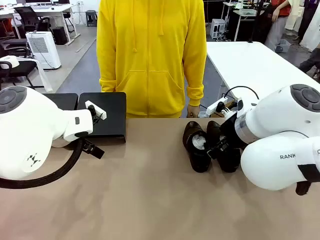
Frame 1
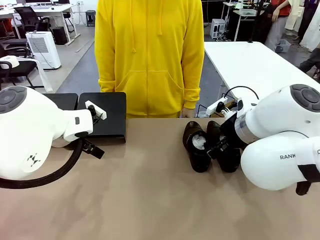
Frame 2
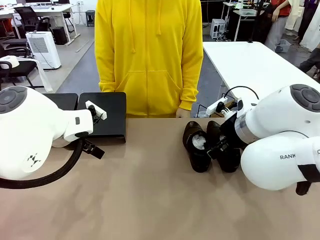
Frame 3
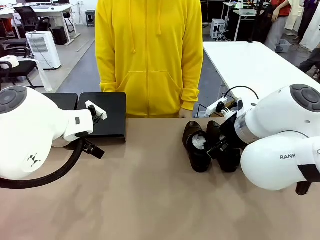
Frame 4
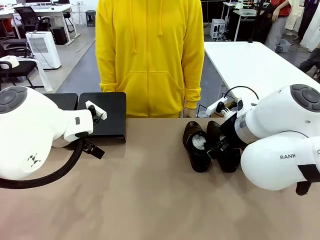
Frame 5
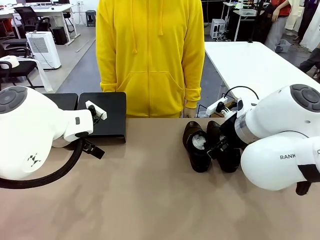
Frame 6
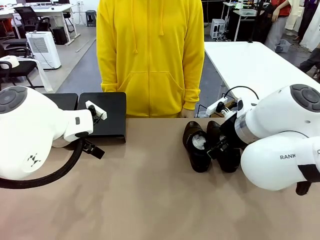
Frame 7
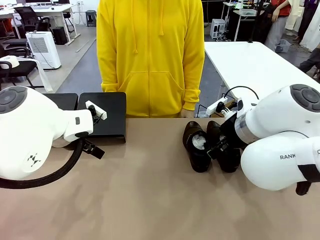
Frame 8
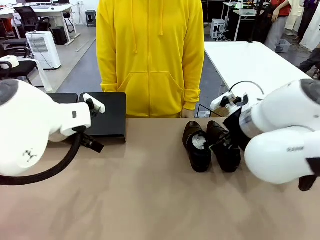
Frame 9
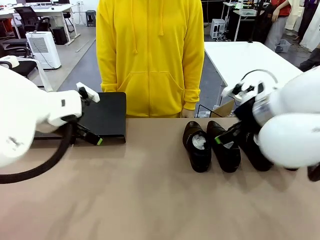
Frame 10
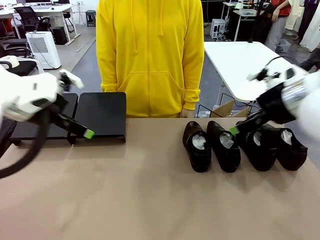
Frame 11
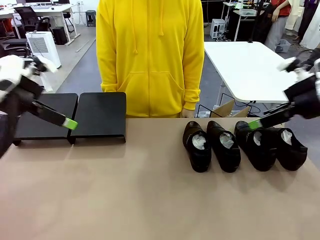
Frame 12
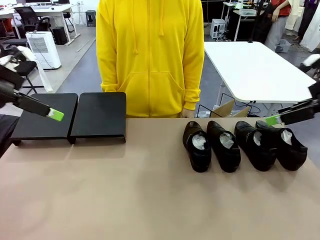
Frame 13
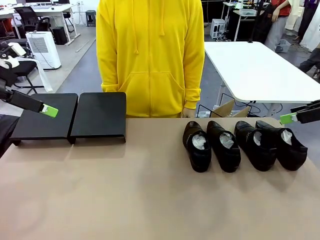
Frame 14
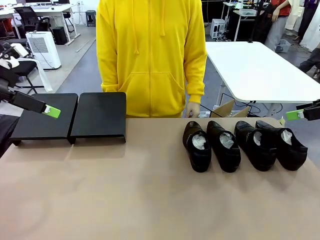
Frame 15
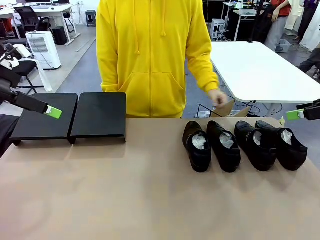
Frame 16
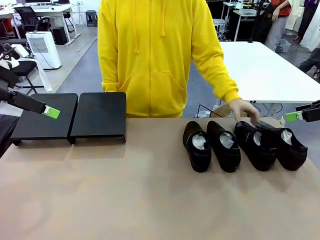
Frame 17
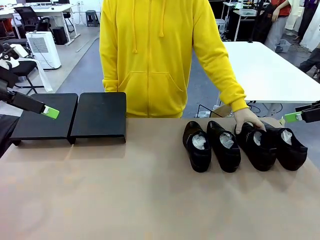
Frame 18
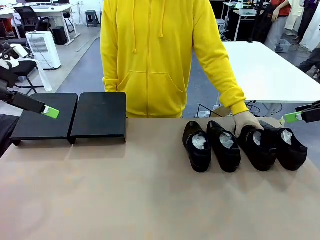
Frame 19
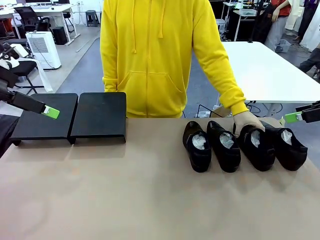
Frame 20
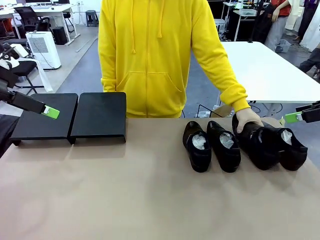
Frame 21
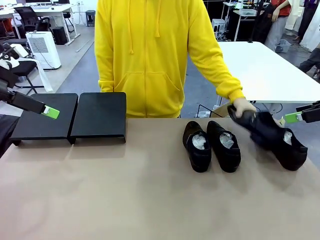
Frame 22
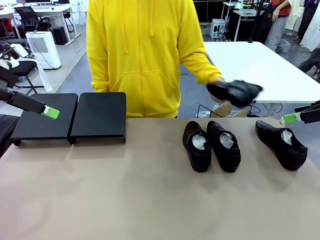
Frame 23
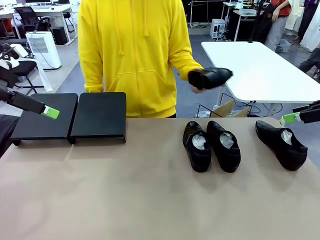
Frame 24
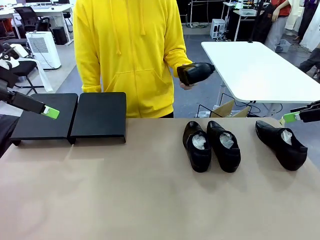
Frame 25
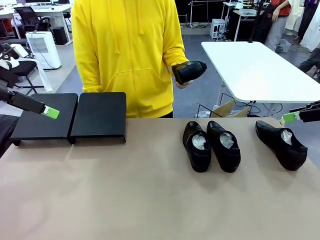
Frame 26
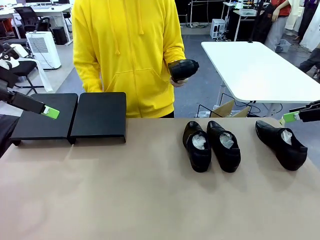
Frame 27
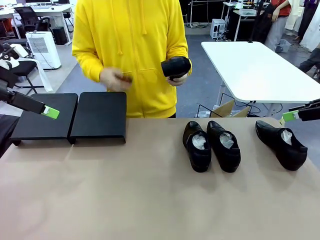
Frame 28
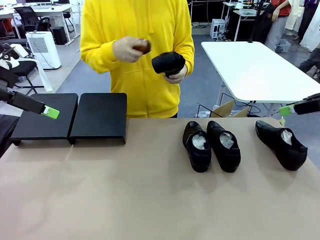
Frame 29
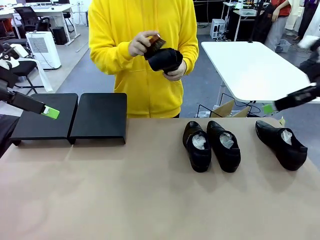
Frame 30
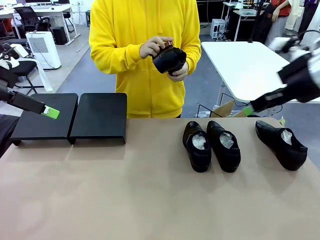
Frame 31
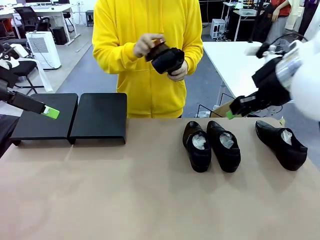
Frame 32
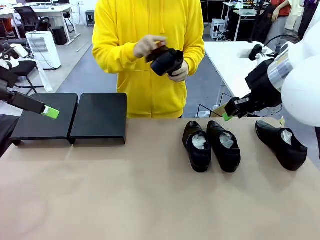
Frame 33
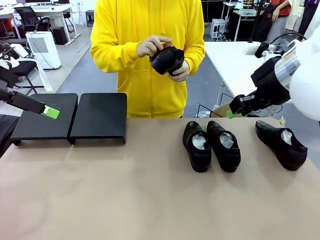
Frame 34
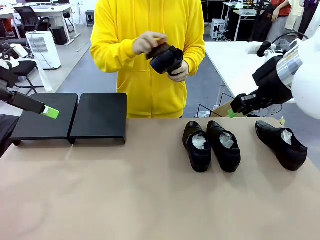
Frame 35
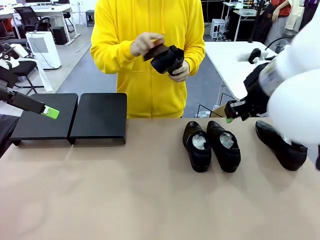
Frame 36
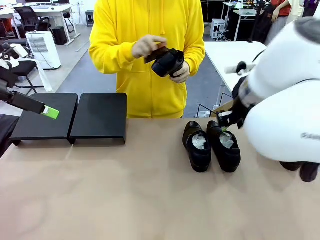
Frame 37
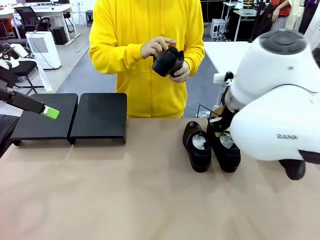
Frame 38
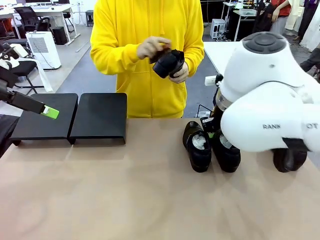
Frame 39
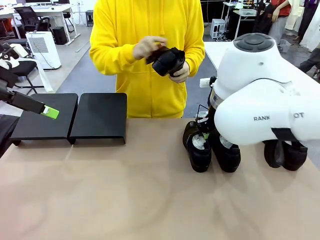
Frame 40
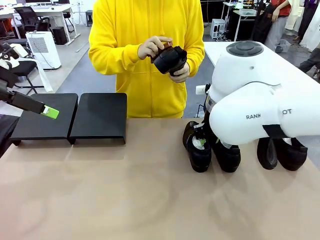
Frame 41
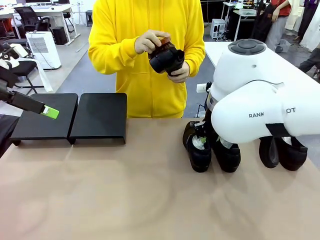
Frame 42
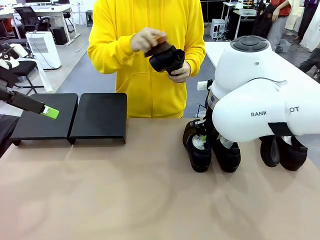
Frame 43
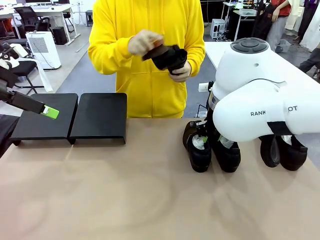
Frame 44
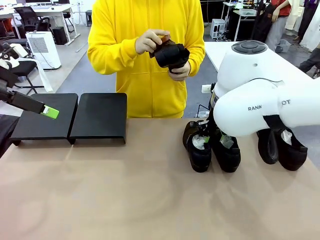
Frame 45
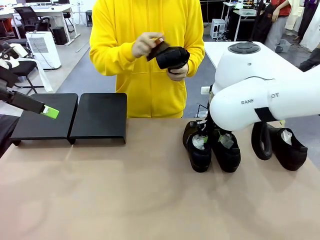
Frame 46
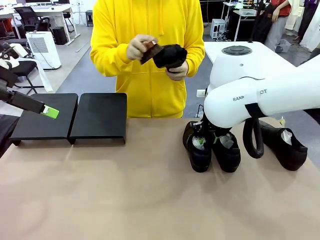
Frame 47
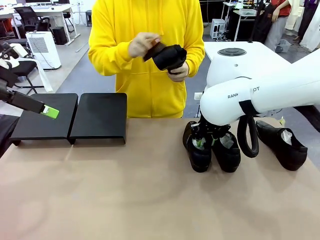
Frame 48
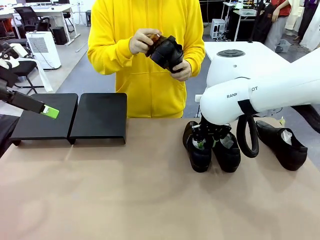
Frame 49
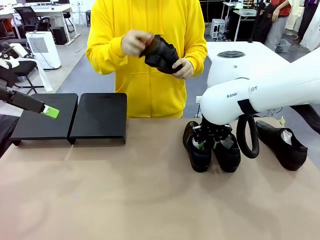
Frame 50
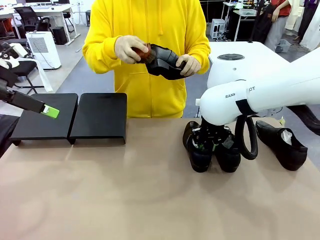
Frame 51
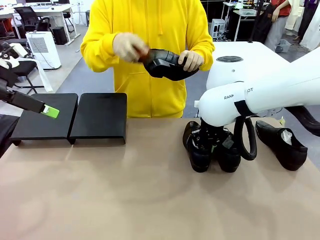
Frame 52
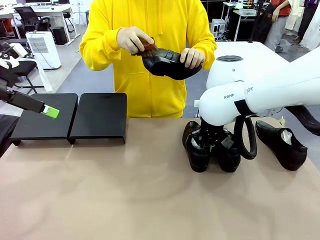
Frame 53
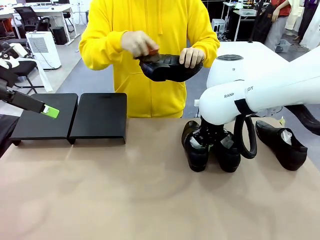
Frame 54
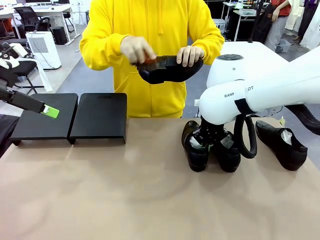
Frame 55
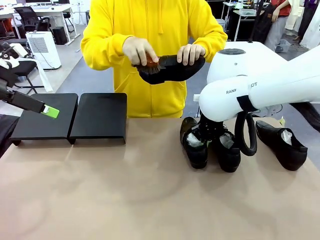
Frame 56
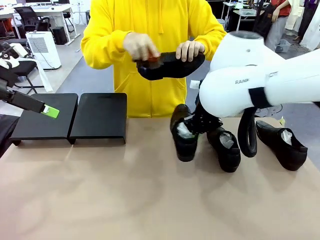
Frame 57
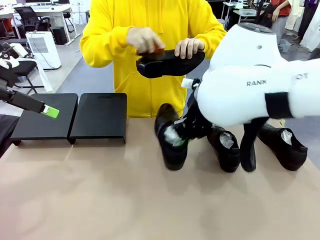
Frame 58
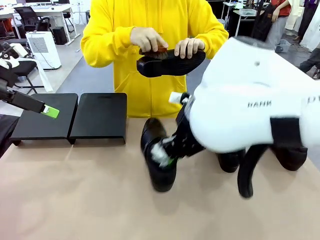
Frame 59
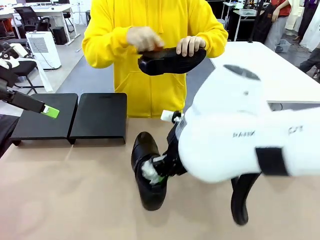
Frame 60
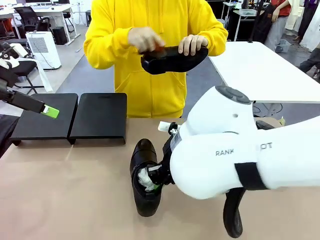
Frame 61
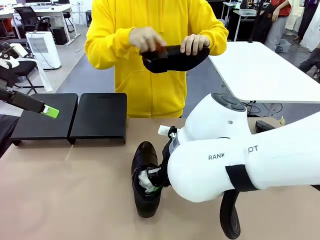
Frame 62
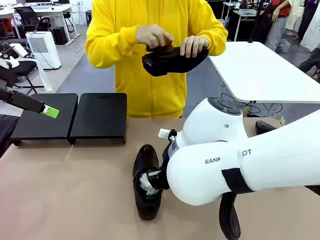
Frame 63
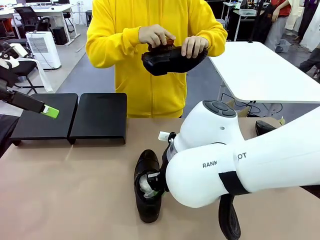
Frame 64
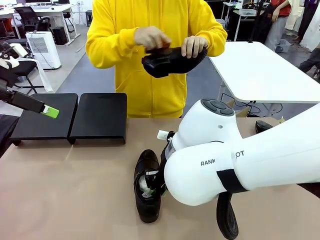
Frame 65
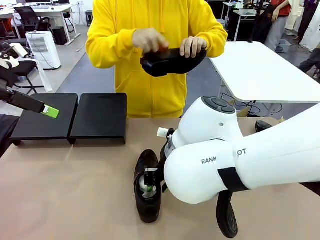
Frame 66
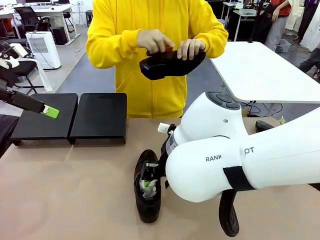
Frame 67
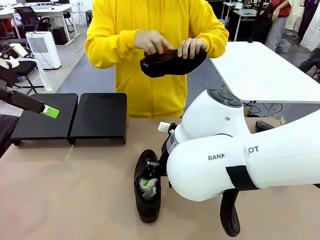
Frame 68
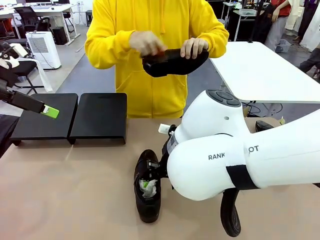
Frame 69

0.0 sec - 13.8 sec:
Task: Organize the shoes by placing them on the stand.
Robot: Pick up one Shoe and place it in the middle of the table.
Person: Pick one Shoe on Robot's table.
